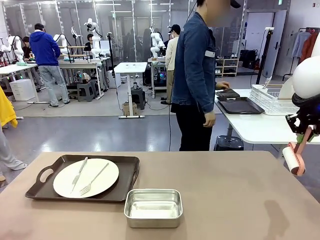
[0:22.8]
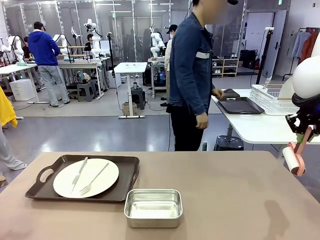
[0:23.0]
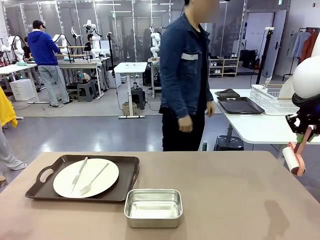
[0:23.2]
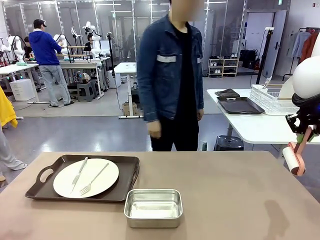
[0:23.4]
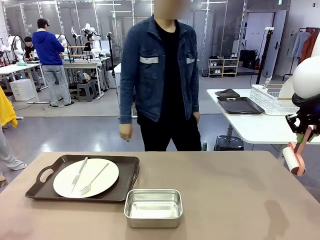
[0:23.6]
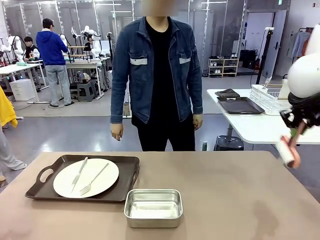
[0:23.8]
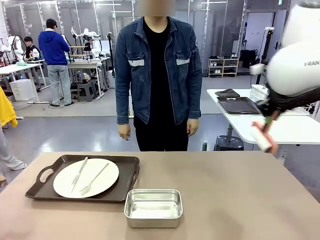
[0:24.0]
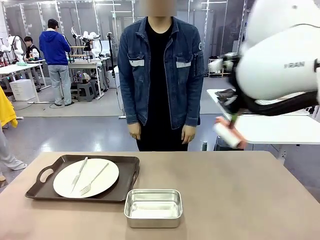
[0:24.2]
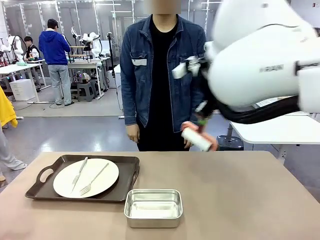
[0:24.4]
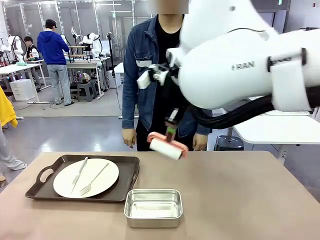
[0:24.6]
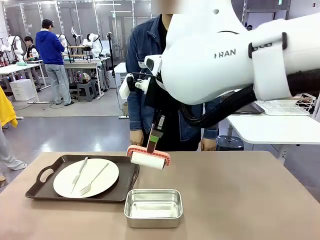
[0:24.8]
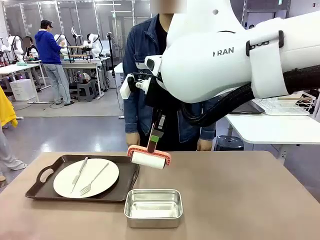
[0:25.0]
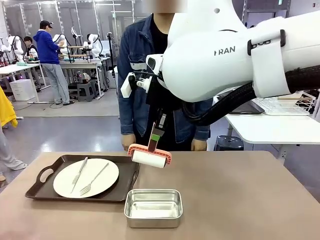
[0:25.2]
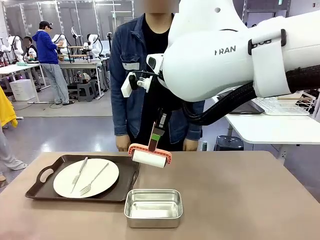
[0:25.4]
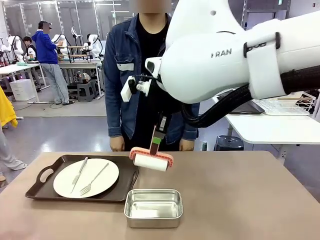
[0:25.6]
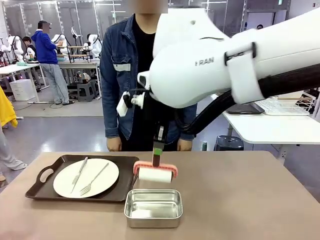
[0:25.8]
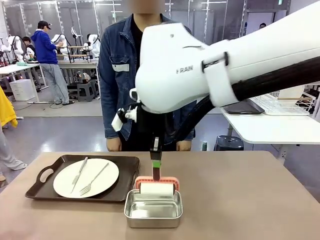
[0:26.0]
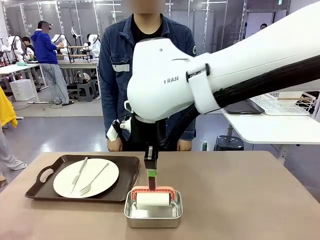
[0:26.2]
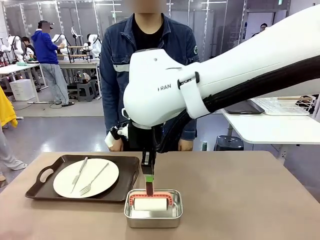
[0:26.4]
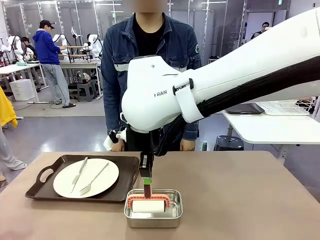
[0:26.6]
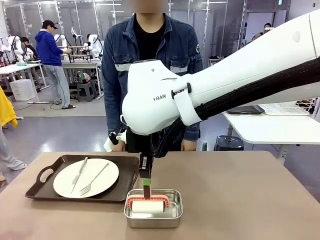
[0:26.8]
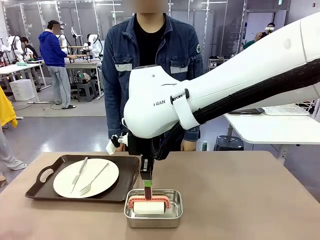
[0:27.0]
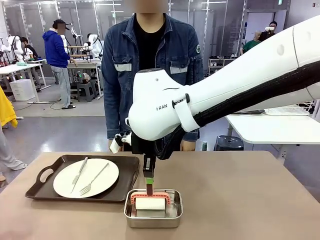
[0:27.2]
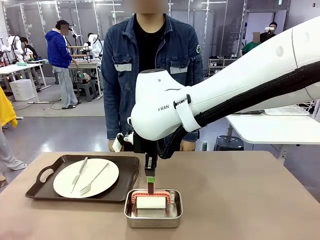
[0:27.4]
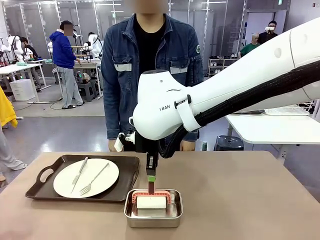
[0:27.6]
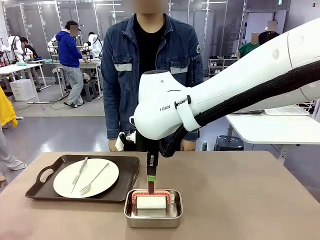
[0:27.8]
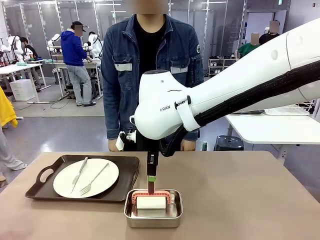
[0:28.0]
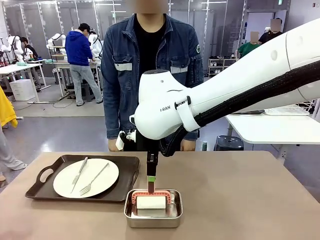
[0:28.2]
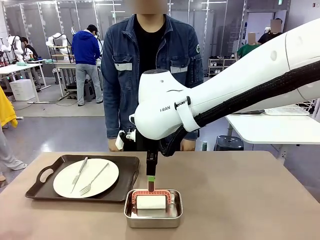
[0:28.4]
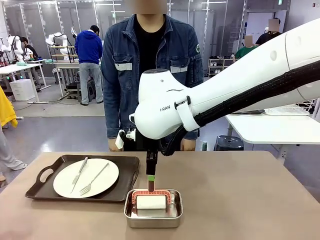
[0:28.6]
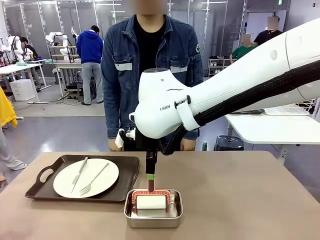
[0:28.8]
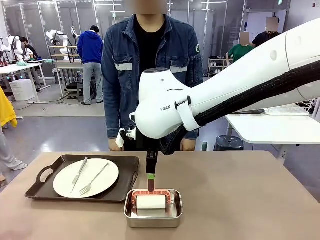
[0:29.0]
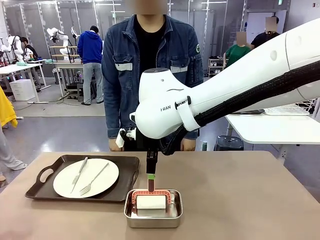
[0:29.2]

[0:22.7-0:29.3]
Robot: Place the Lint Roller back on top of the Airtight Container.

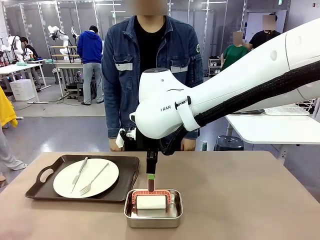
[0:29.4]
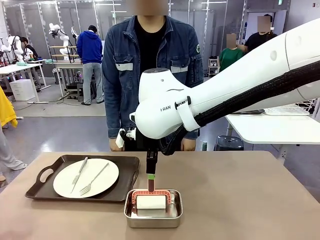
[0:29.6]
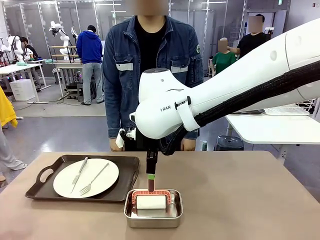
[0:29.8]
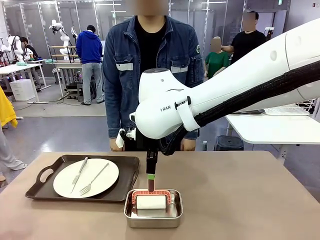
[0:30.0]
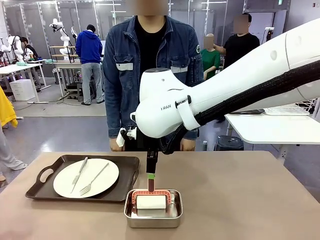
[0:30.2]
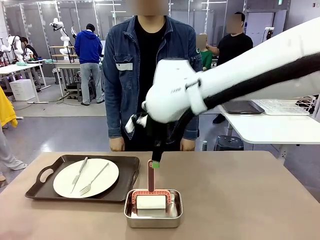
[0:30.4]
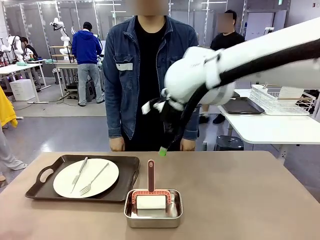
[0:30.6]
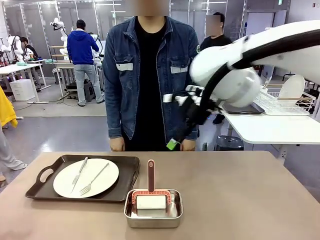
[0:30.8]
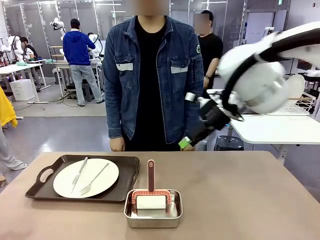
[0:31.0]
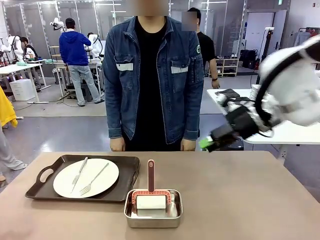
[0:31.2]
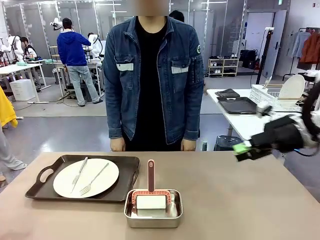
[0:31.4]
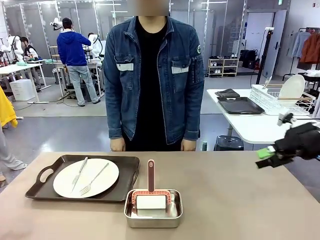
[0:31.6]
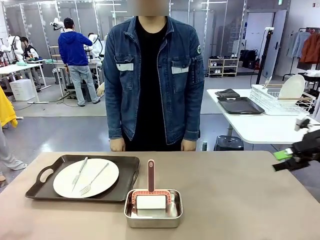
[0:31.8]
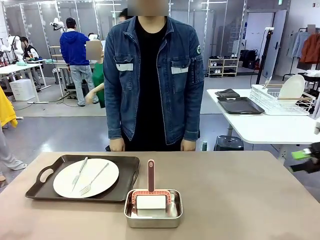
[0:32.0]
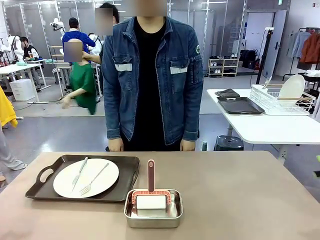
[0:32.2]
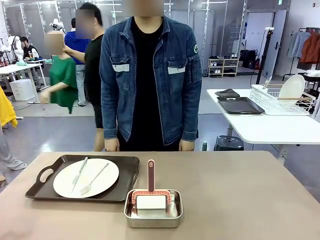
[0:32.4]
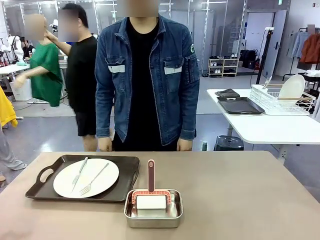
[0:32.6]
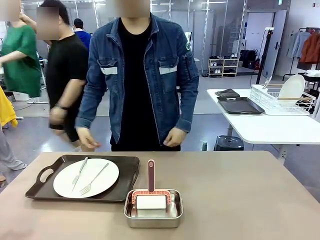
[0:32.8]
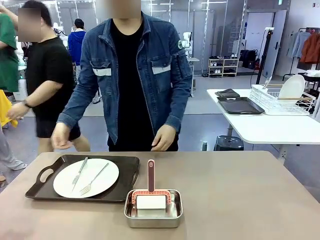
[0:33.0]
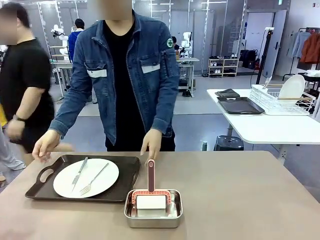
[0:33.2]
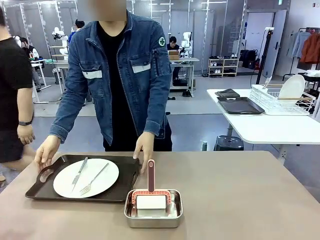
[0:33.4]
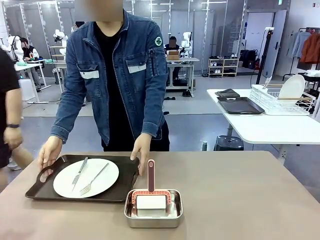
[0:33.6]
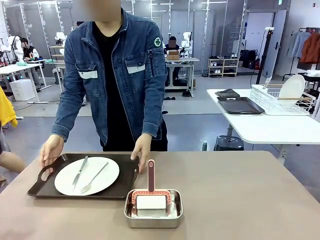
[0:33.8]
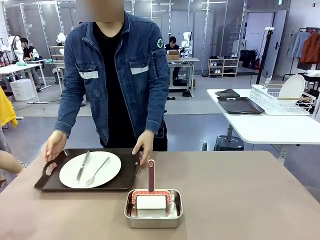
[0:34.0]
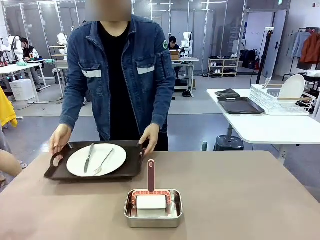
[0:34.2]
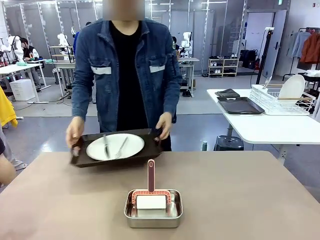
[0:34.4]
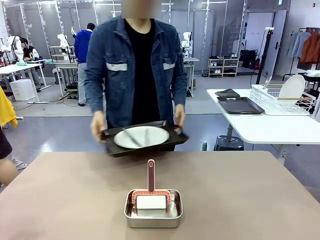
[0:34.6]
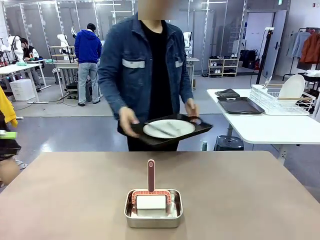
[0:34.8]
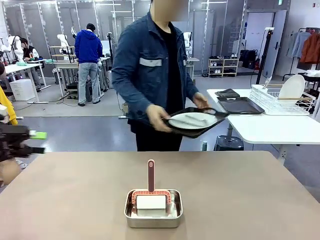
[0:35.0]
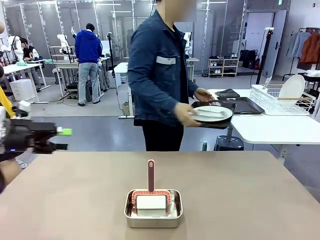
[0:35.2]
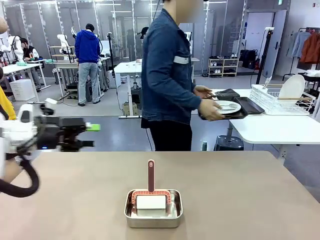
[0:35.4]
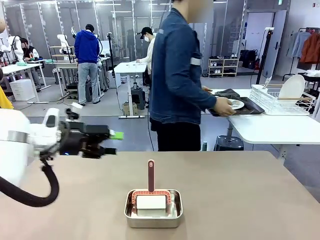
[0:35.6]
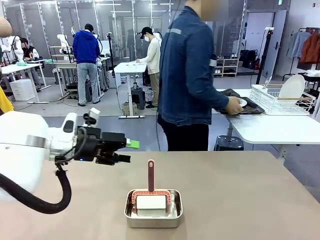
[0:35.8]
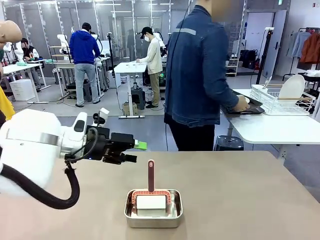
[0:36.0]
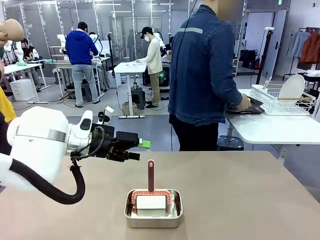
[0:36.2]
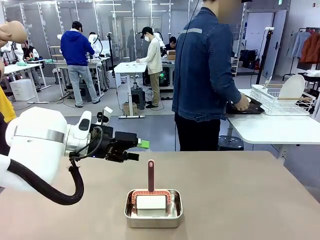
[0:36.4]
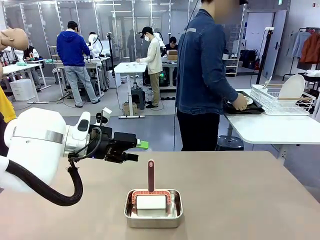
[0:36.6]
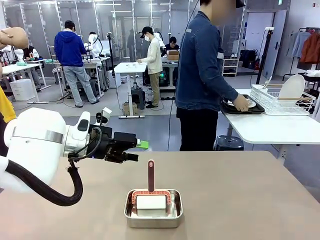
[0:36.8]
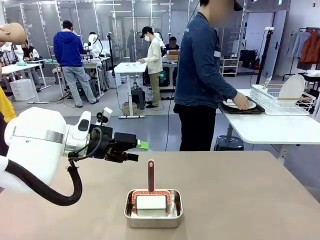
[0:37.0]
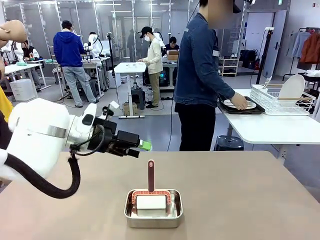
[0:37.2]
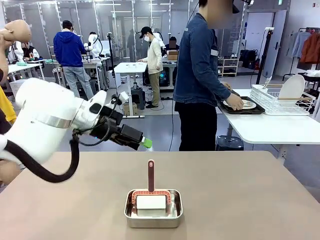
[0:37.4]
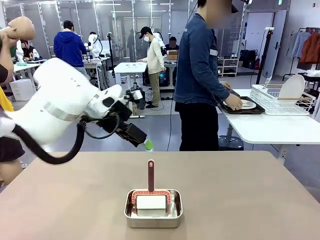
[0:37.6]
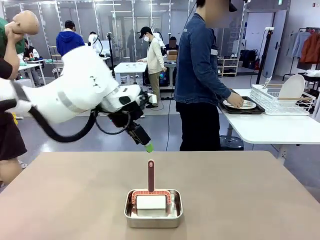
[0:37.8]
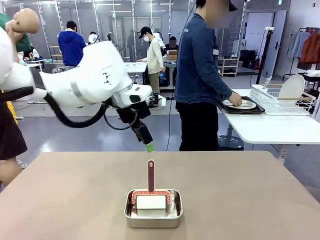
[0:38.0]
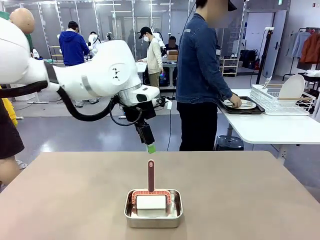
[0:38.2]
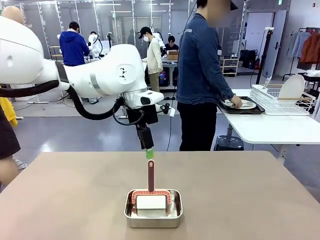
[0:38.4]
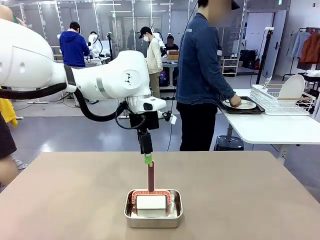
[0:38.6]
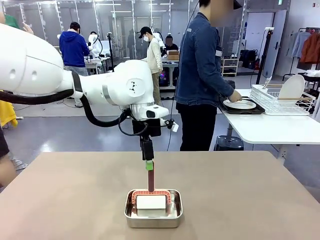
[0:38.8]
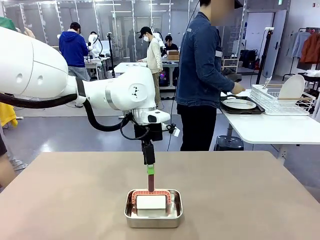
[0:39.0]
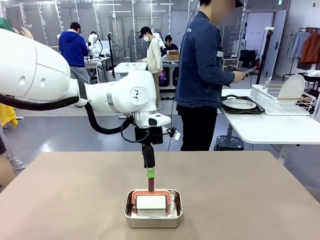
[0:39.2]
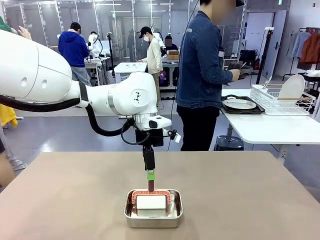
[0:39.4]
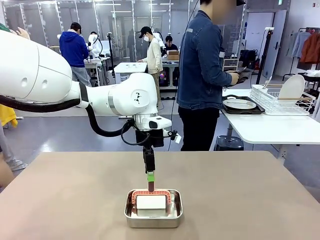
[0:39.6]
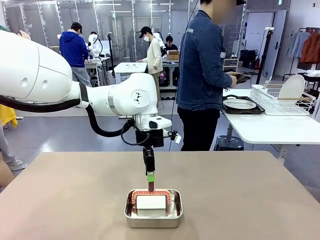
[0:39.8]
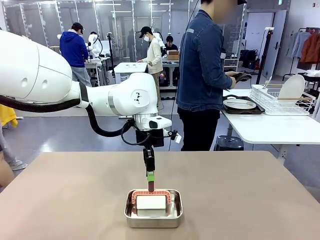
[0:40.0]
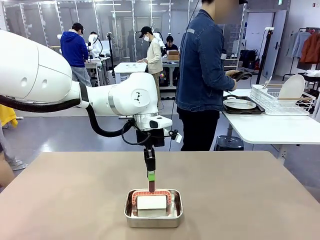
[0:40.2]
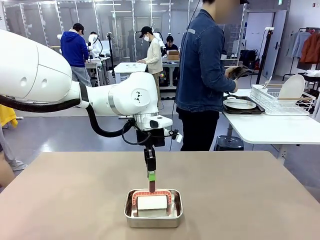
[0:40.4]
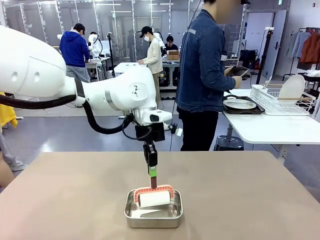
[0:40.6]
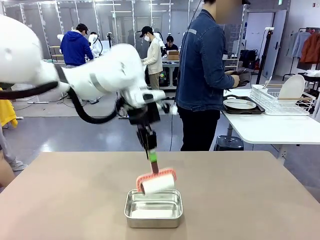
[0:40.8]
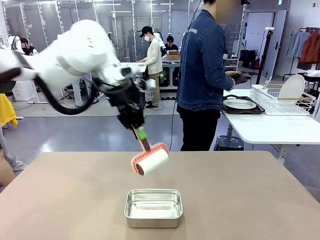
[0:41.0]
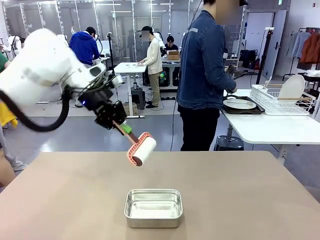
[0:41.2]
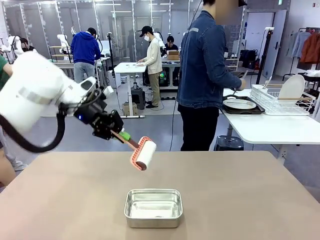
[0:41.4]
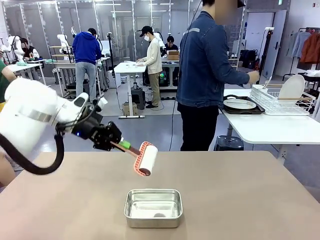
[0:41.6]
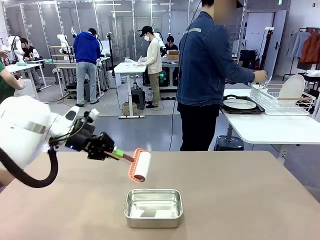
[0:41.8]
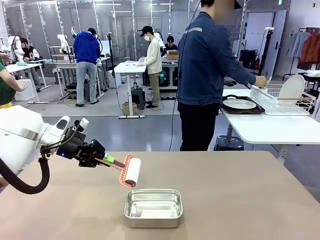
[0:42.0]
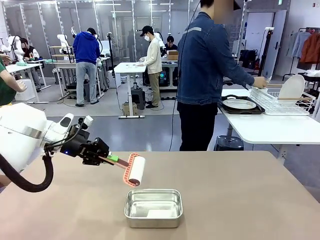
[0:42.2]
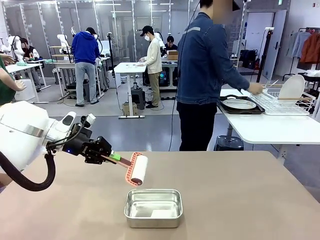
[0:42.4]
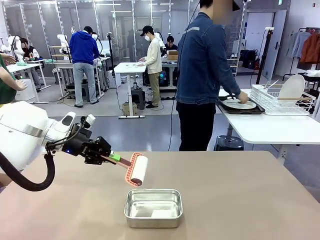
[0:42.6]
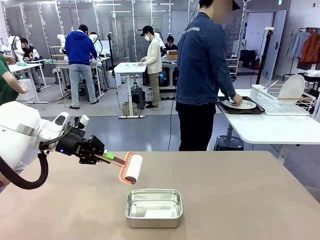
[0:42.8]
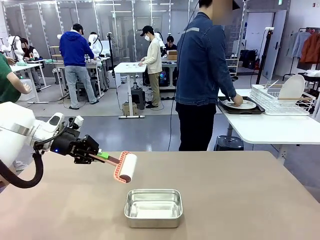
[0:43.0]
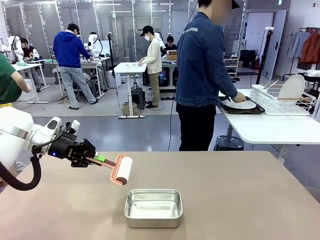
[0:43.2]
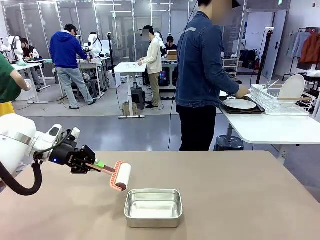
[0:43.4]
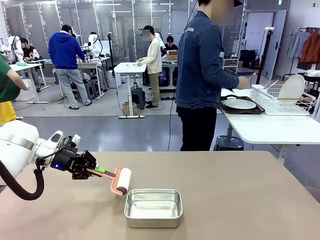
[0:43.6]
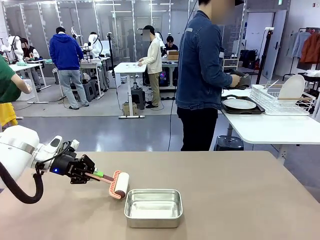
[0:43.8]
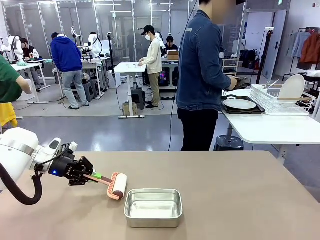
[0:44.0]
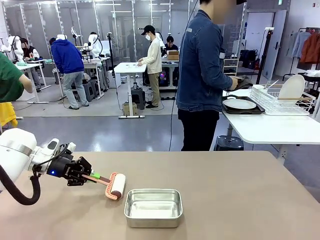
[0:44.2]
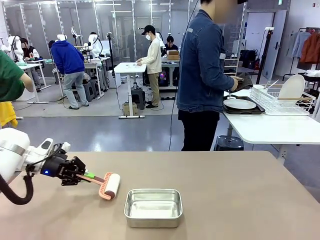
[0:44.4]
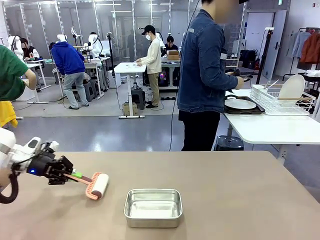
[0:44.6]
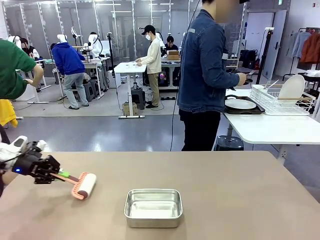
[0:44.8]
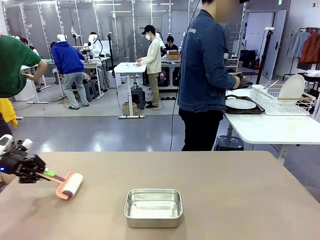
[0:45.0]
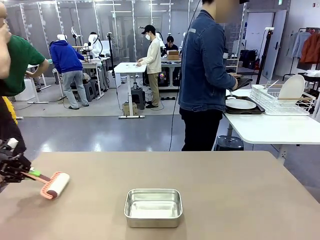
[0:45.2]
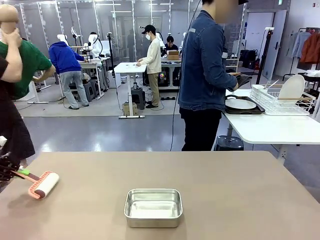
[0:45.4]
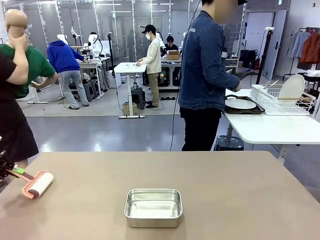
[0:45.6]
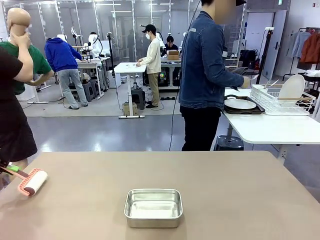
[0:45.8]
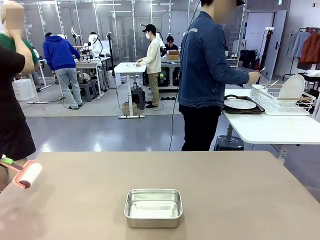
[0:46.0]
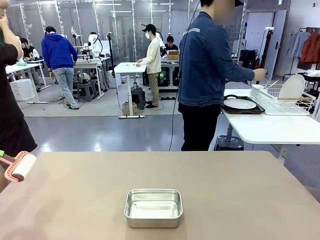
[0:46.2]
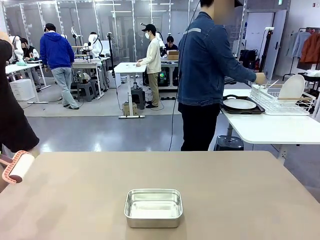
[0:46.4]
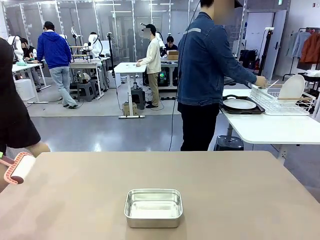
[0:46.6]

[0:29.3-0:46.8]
Robot: When the right (or left) Handle tray is removed, use the right hand (or left hand) to clean the right (or left) side of the table with the Lint Roller.
Person: Pick up the left (or right) Handle tray and place it on the Handle tray. Use the Towel with hook to wipe the Plastic Matte Plate , Fork , and Knife and place into the Dish drying rack.
